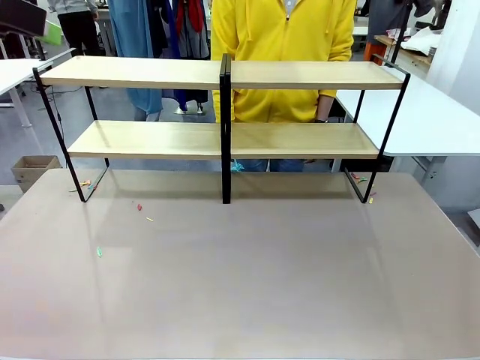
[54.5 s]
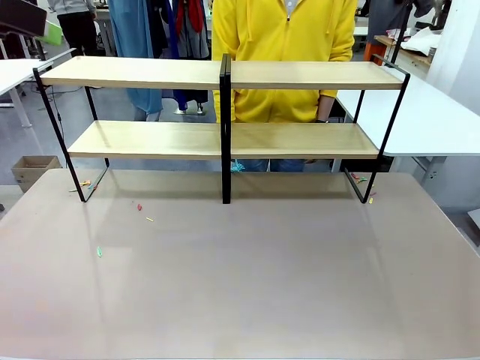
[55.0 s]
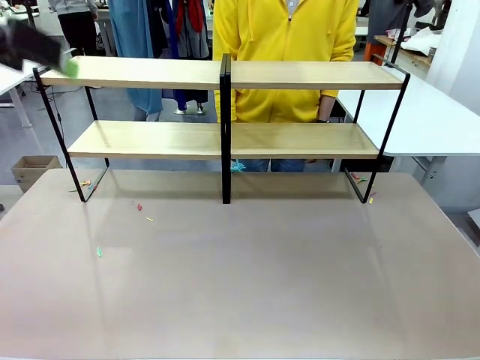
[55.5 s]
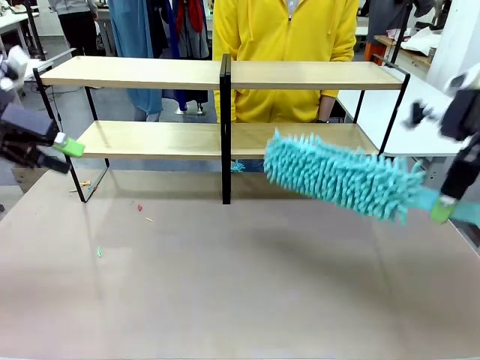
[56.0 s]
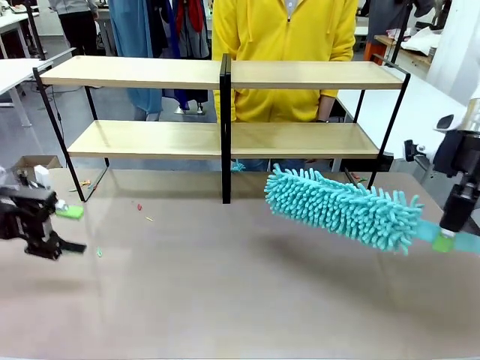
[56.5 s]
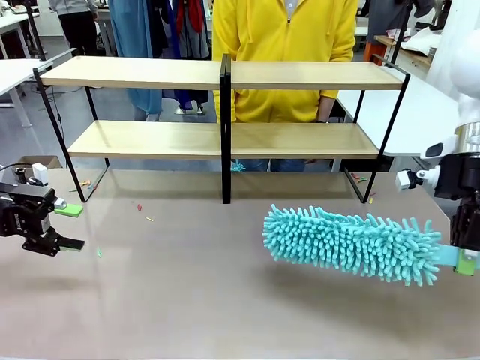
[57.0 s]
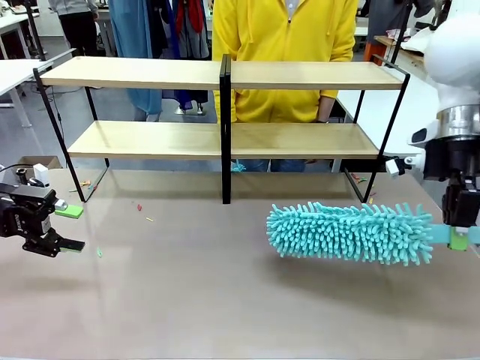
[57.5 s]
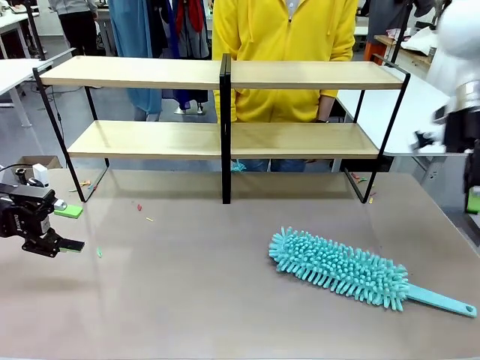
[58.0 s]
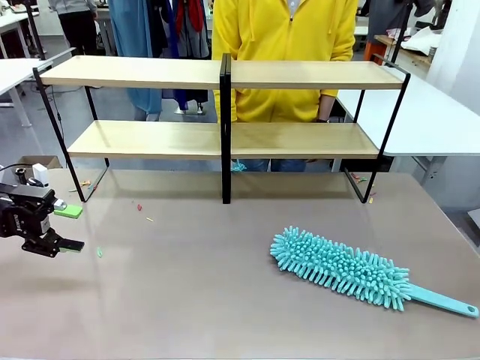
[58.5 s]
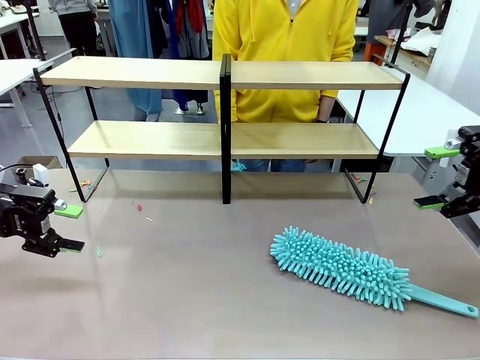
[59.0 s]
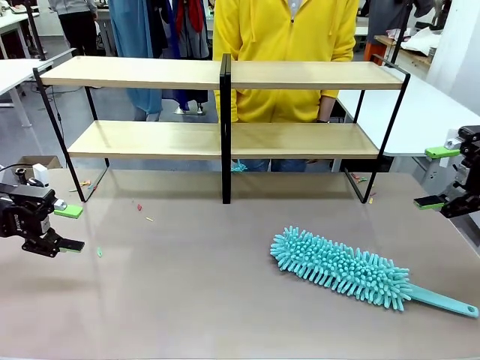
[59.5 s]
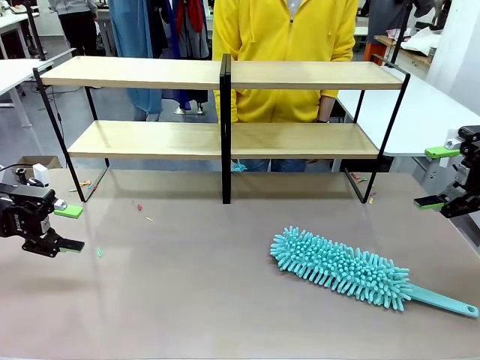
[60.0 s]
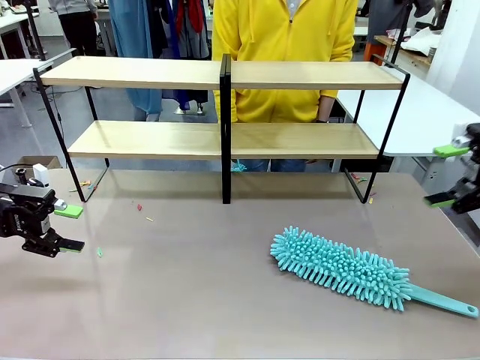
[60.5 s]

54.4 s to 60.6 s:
Task: Clean the shelves.
Robot: Place the Duster on the table.

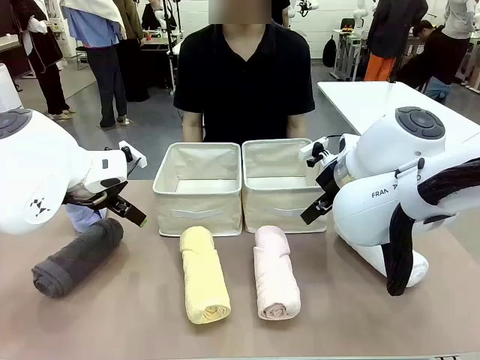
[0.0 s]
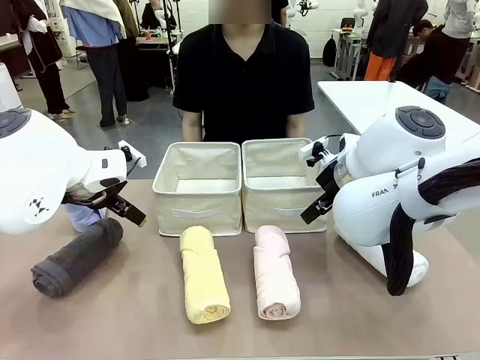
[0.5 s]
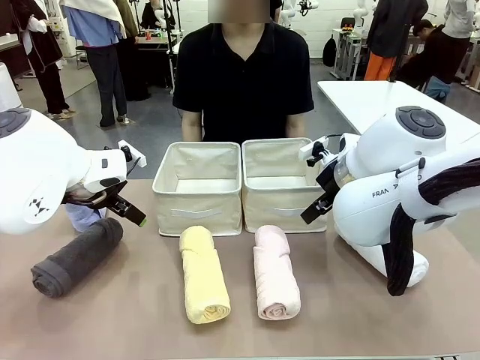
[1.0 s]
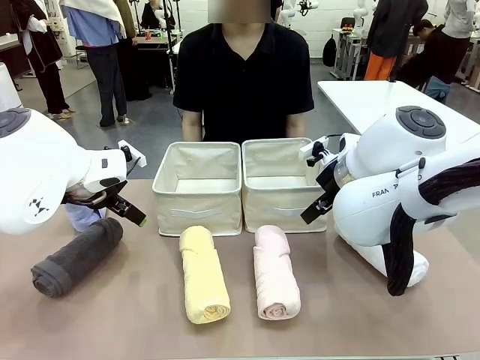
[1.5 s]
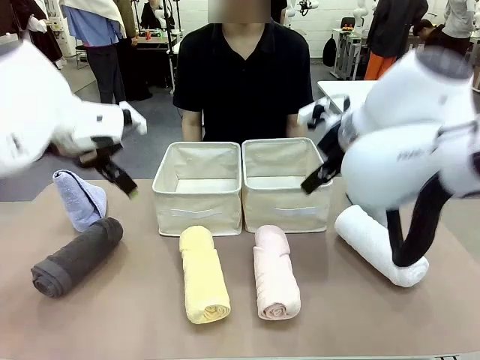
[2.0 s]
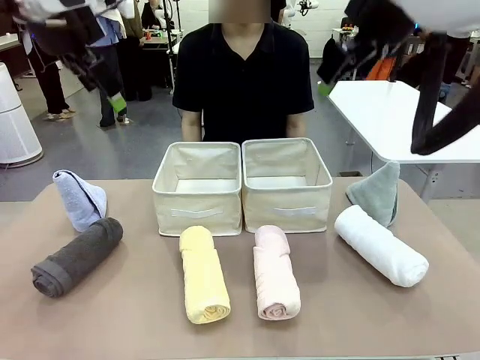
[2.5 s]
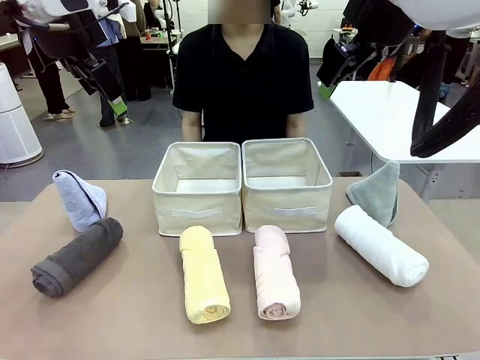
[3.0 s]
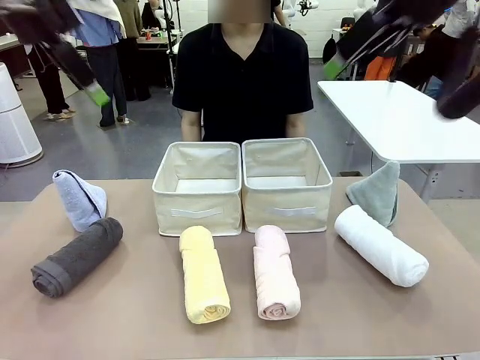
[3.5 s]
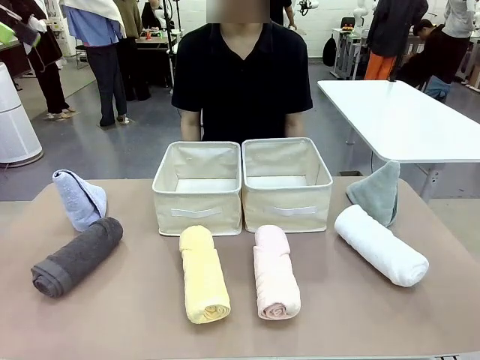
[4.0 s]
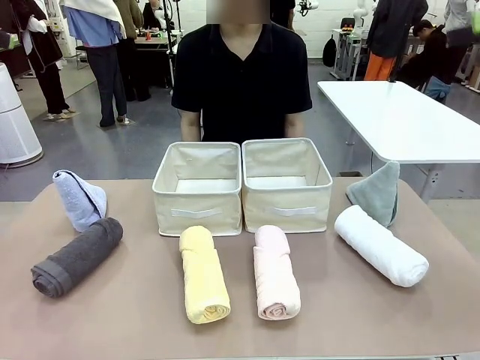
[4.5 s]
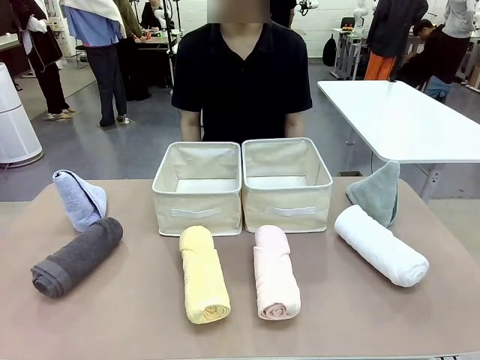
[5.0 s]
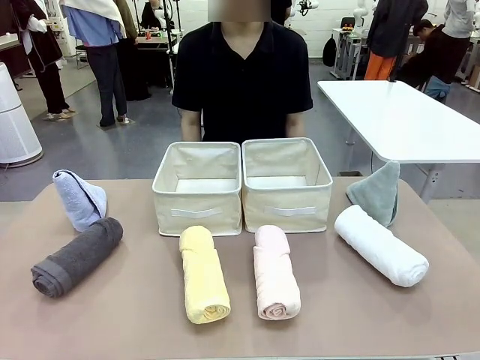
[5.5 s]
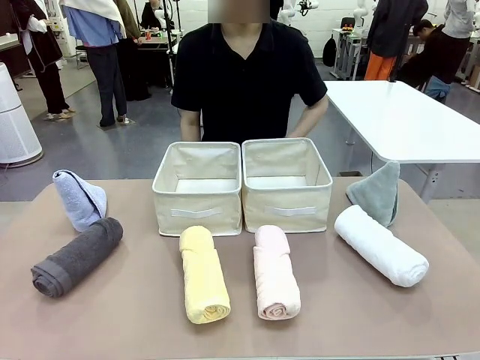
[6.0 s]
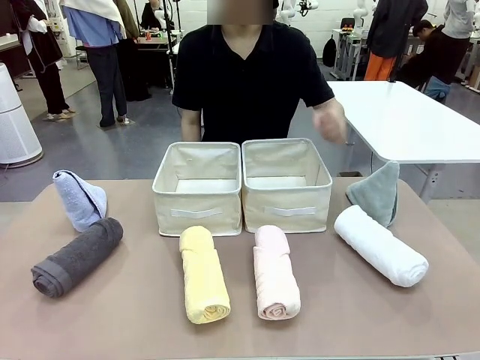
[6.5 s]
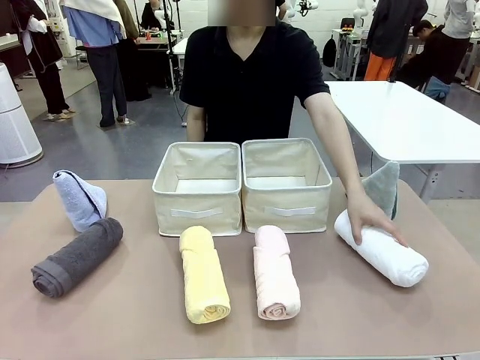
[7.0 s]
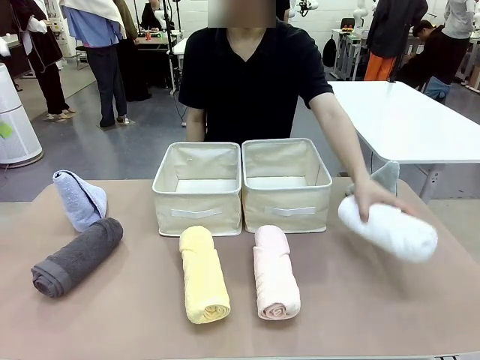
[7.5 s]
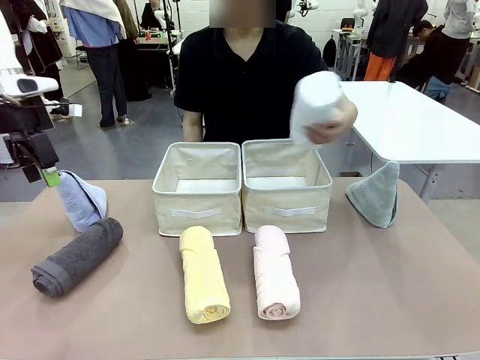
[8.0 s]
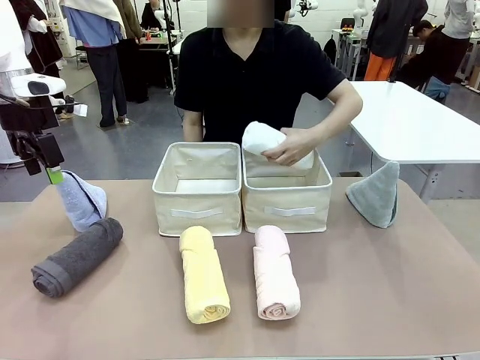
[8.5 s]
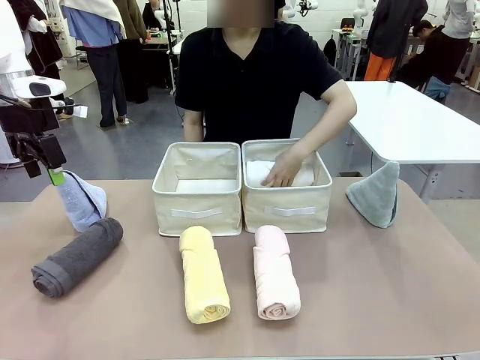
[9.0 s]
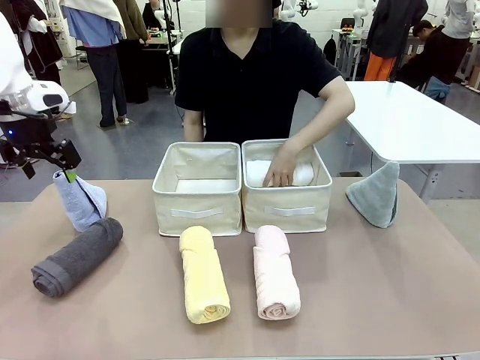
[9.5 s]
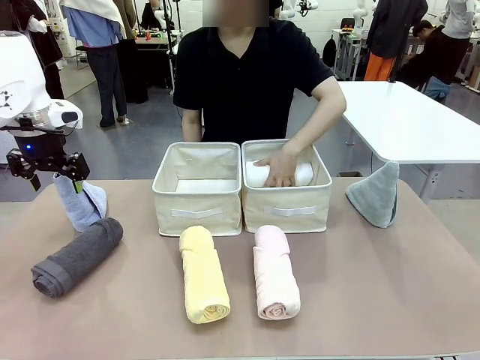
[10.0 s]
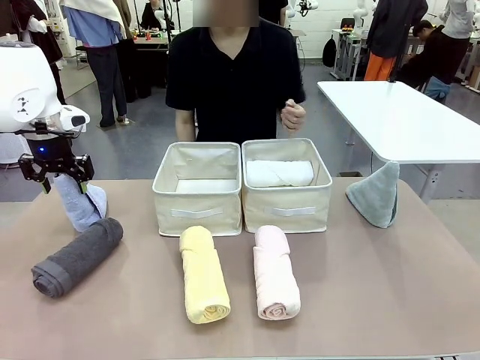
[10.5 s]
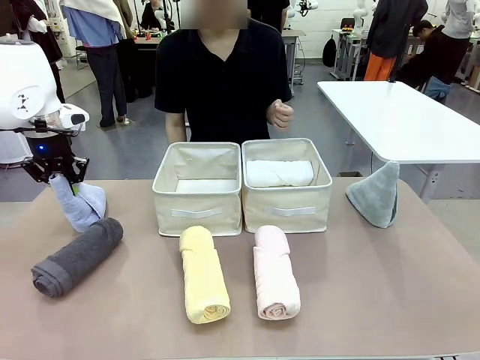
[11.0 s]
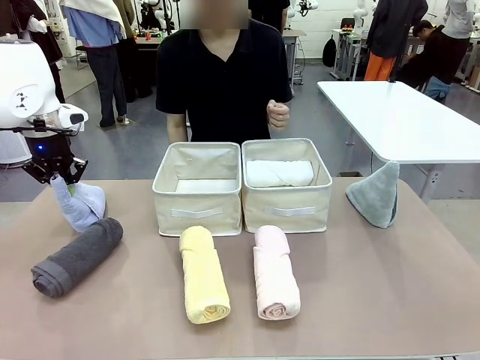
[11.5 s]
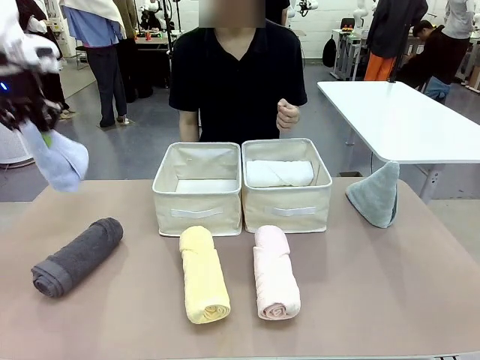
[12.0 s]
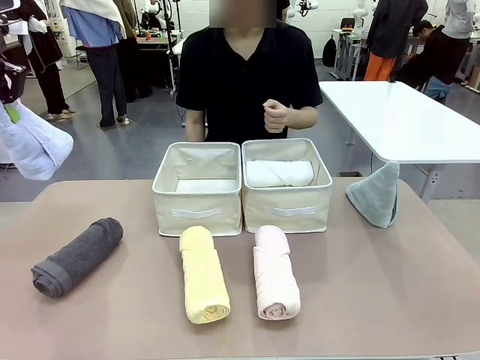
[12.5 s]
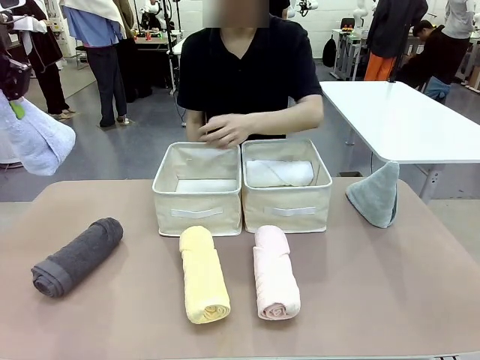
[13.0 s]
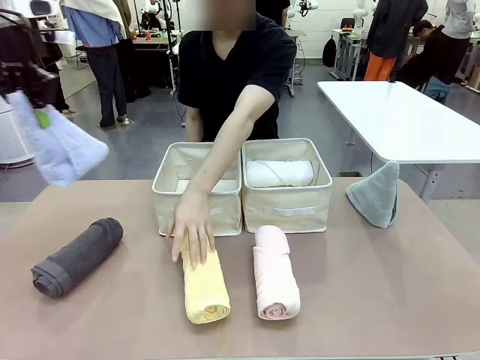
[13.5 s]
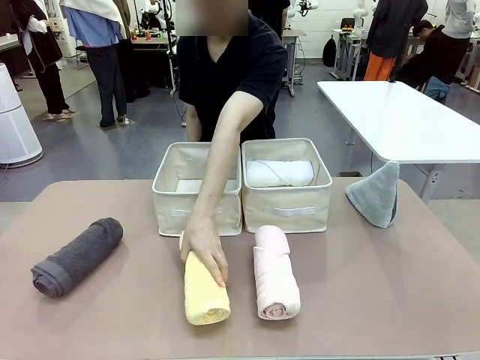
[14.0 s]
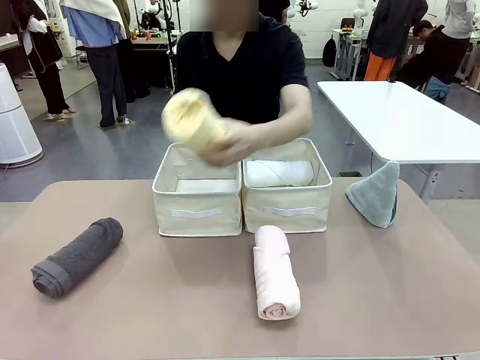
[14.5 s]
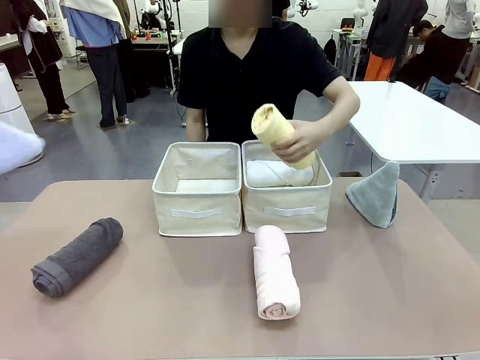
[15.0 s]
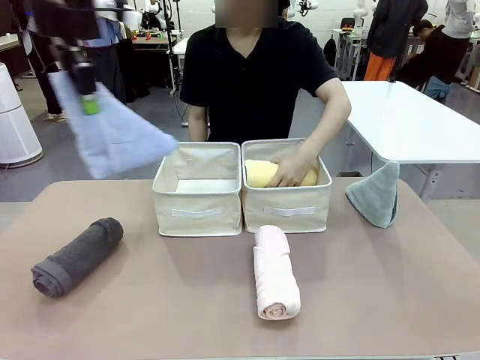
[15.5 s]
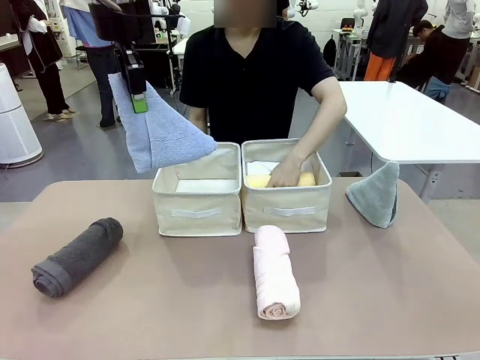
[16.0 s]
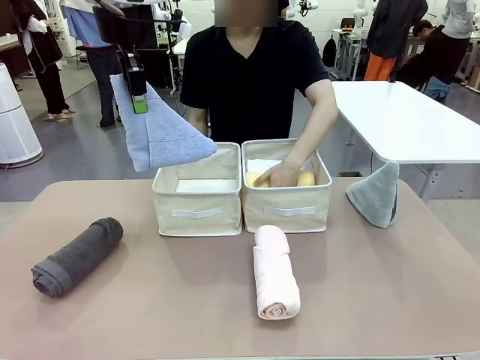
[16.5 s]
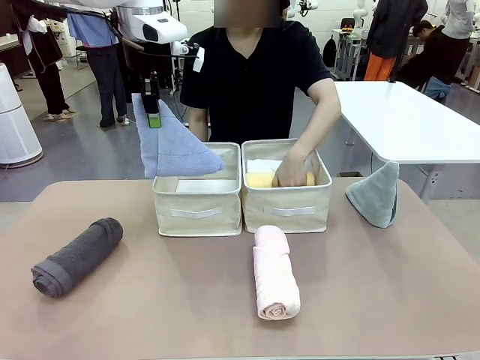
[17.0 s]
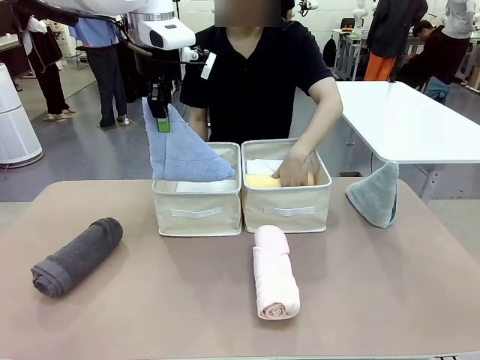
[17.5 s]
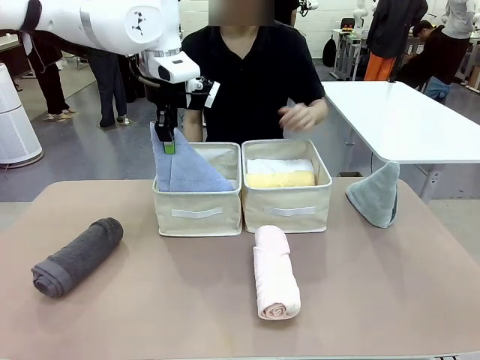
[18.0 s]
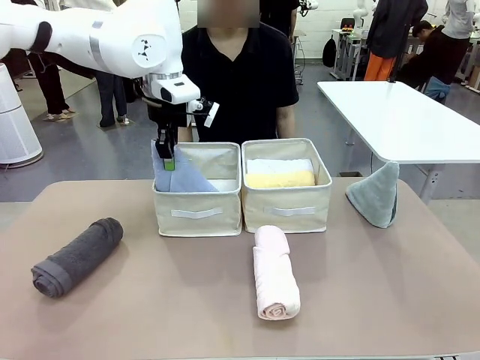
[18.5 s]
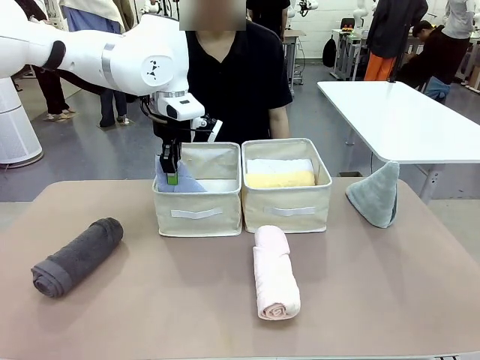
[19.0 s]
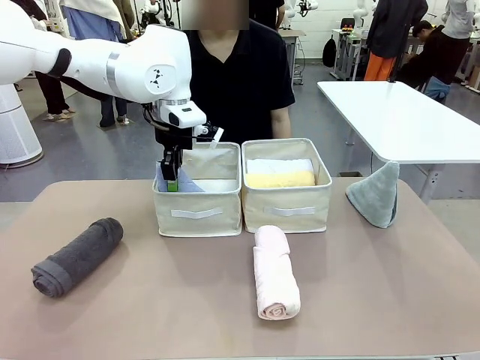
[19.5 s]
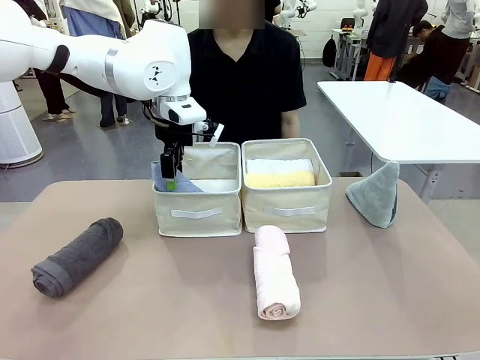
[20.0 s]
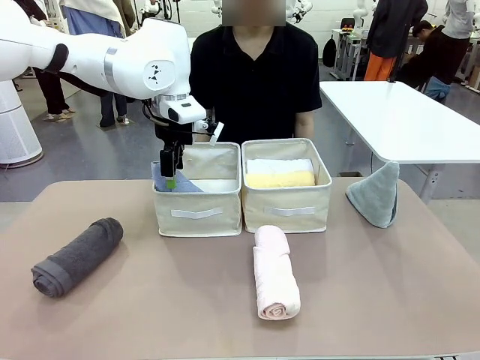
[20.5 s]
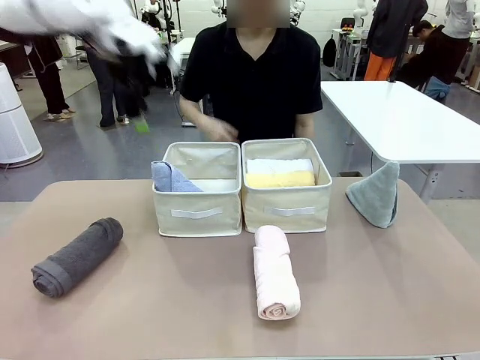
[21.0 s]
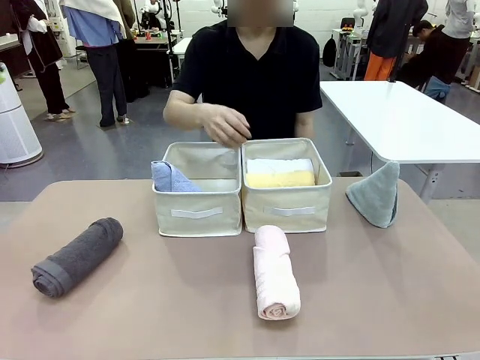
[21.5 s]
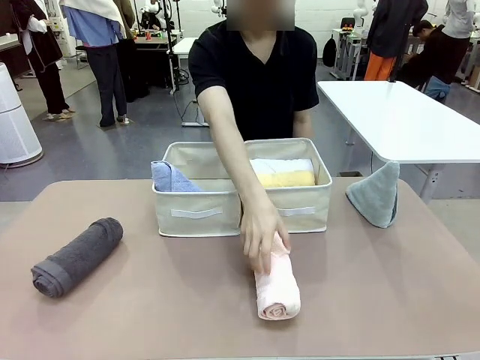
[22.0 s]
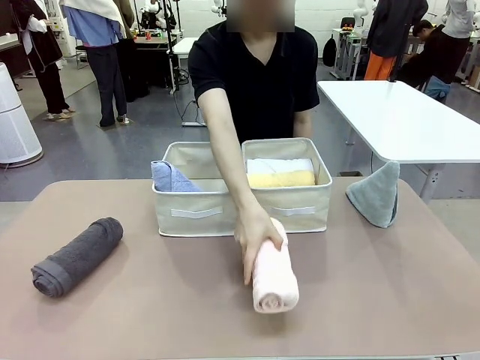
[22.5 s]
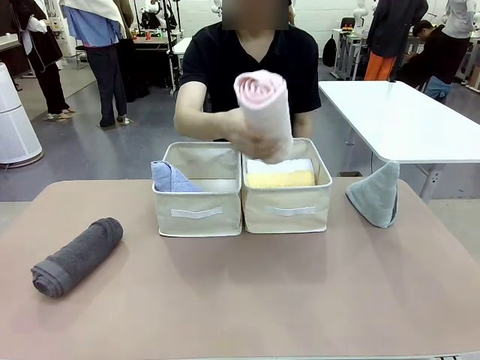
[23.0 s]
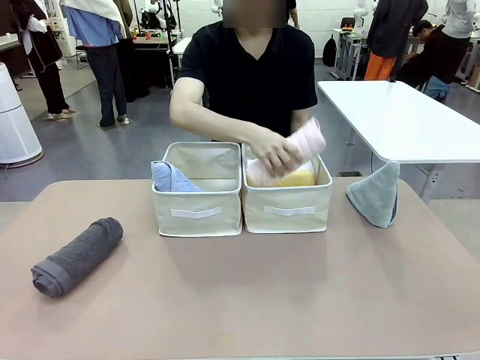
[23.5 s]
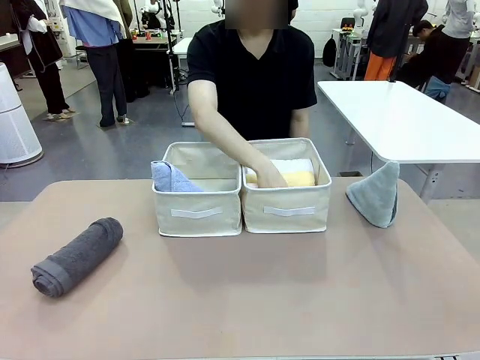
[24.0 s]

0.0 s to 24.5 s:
Task: Sort the towels based on their folding style.
Robot: Pick up one triangle-folded towel and place it in the left Fabric basket.
Person: Pick up one hotel-style rolled towel and place it in the left fabric basket.
